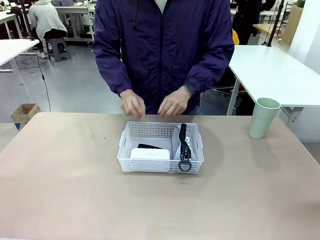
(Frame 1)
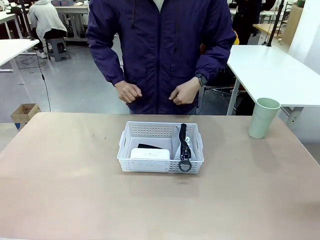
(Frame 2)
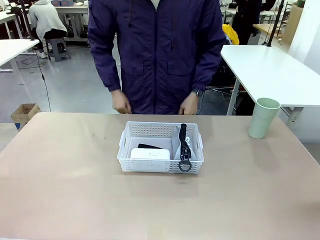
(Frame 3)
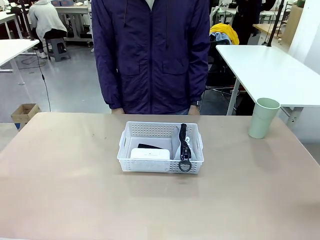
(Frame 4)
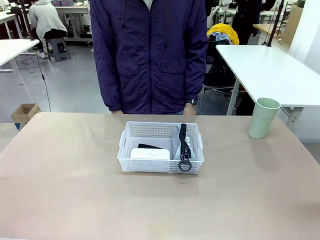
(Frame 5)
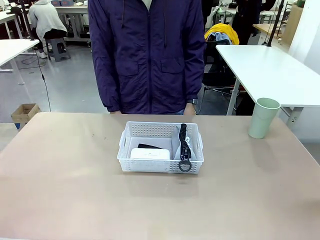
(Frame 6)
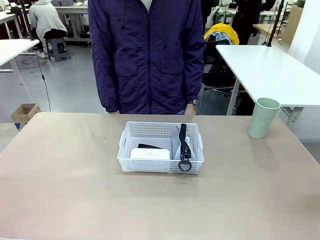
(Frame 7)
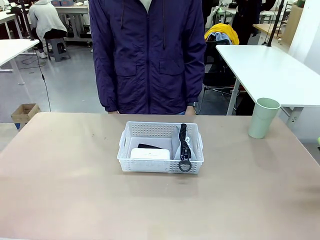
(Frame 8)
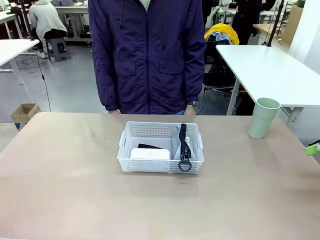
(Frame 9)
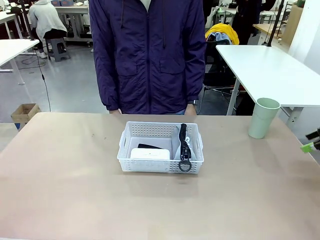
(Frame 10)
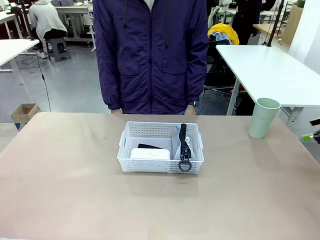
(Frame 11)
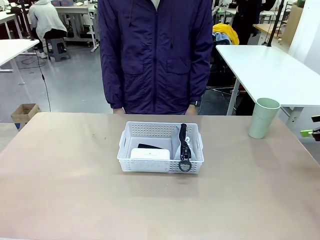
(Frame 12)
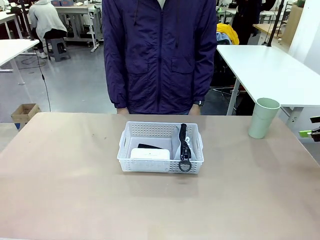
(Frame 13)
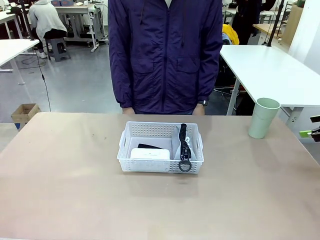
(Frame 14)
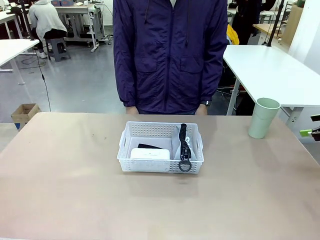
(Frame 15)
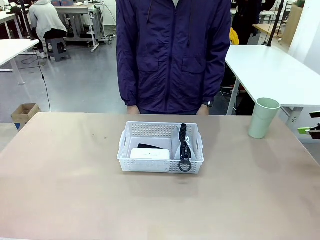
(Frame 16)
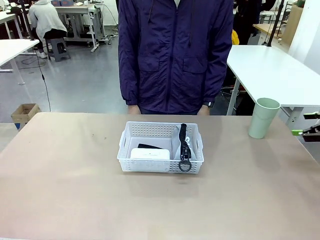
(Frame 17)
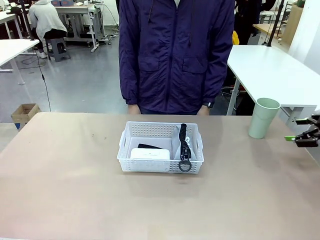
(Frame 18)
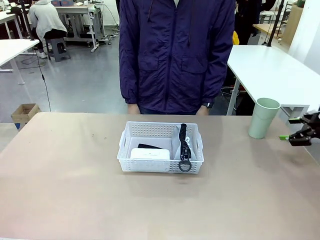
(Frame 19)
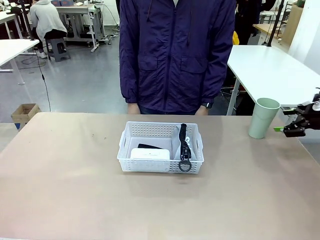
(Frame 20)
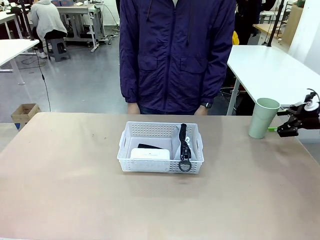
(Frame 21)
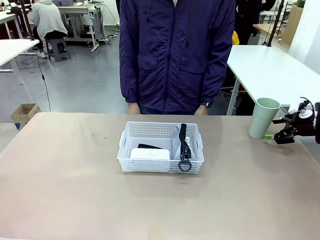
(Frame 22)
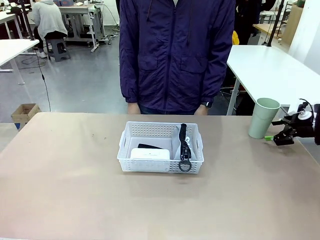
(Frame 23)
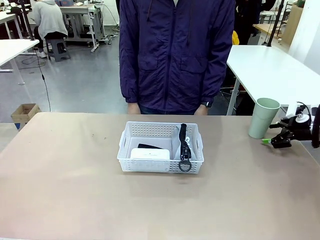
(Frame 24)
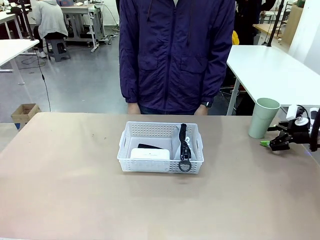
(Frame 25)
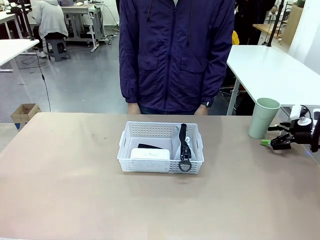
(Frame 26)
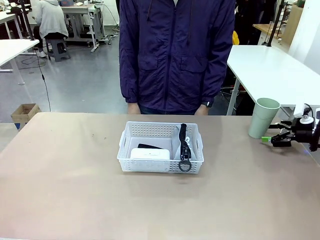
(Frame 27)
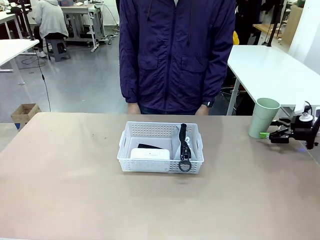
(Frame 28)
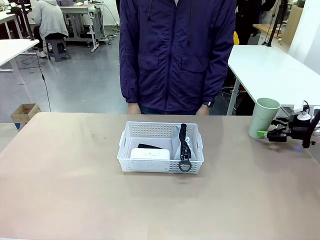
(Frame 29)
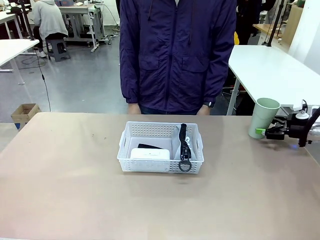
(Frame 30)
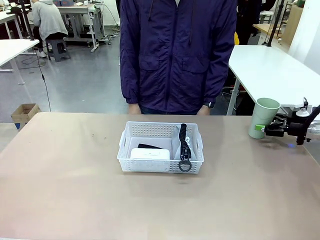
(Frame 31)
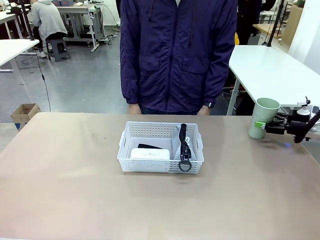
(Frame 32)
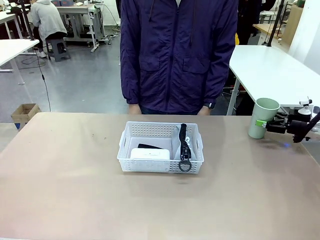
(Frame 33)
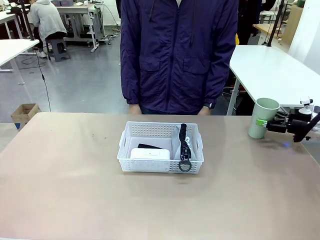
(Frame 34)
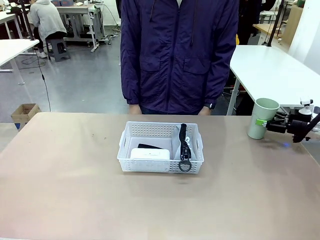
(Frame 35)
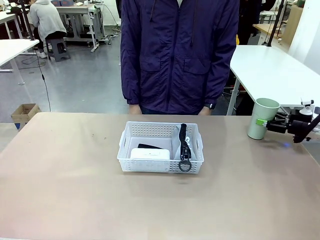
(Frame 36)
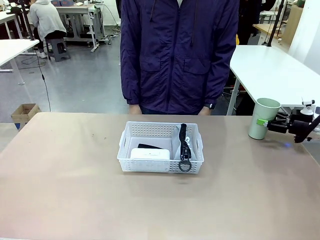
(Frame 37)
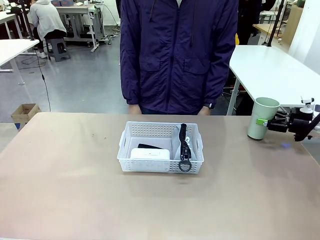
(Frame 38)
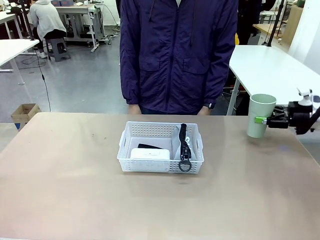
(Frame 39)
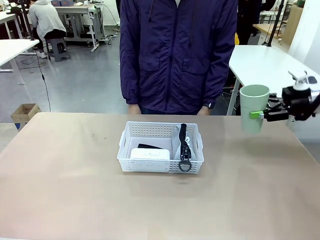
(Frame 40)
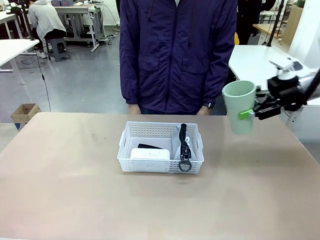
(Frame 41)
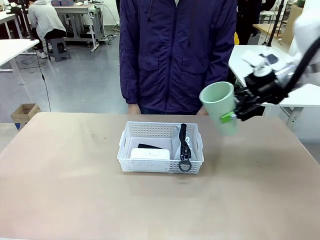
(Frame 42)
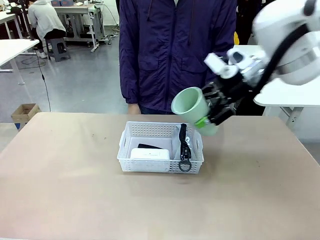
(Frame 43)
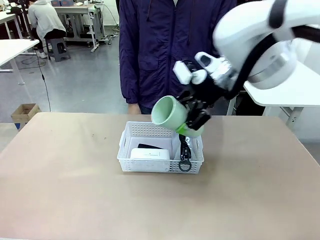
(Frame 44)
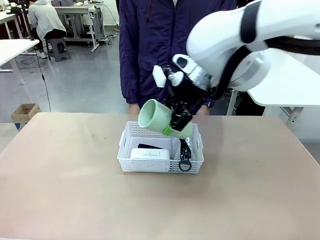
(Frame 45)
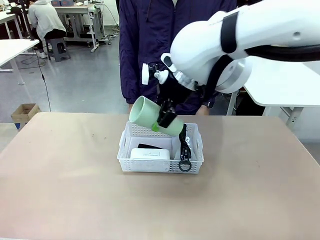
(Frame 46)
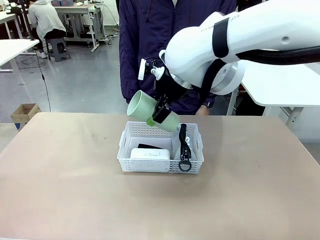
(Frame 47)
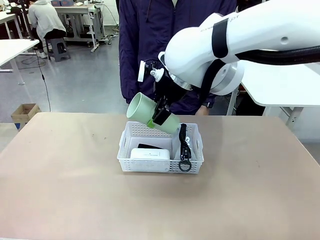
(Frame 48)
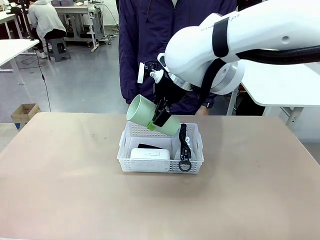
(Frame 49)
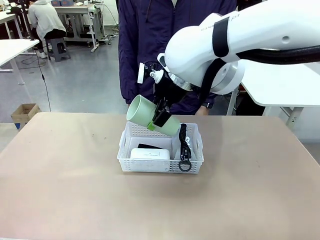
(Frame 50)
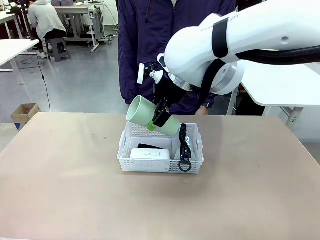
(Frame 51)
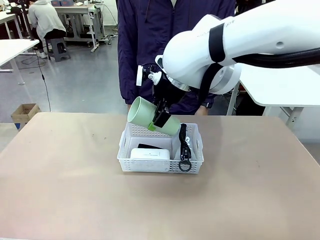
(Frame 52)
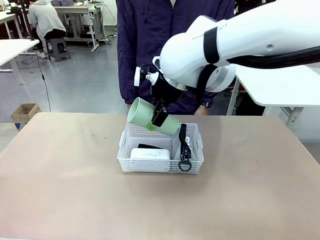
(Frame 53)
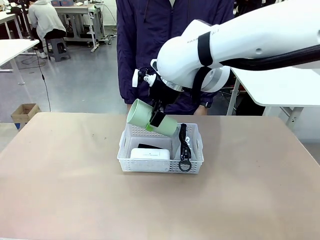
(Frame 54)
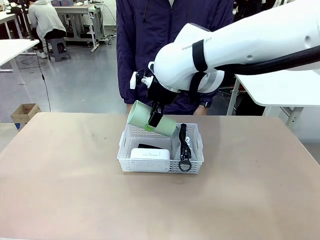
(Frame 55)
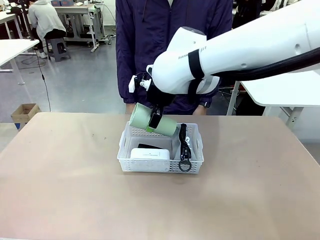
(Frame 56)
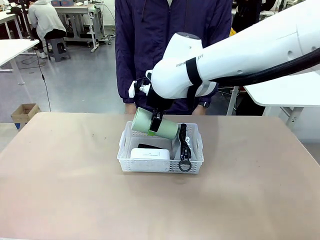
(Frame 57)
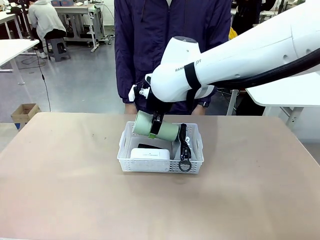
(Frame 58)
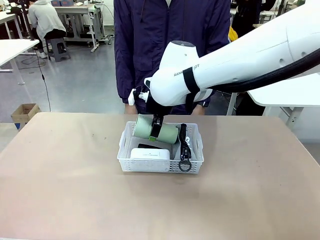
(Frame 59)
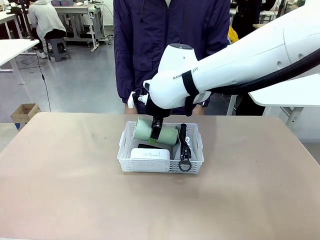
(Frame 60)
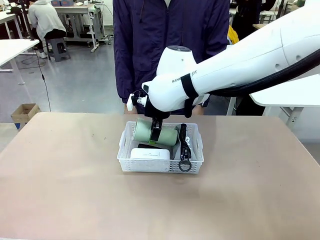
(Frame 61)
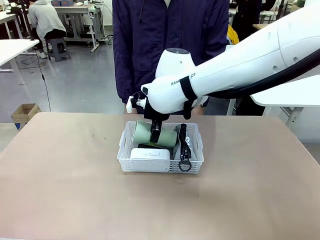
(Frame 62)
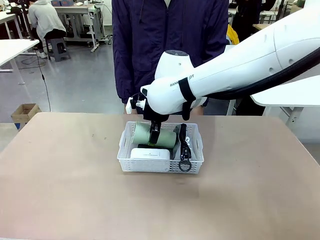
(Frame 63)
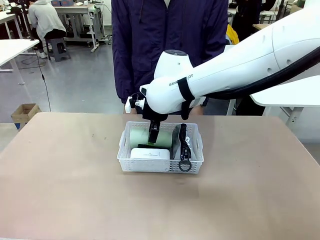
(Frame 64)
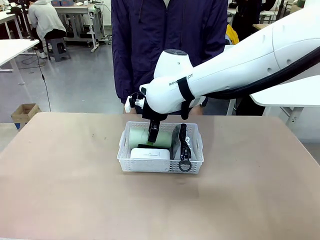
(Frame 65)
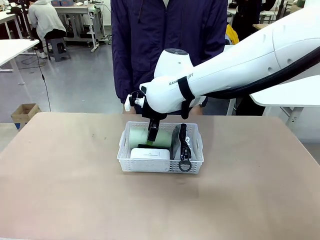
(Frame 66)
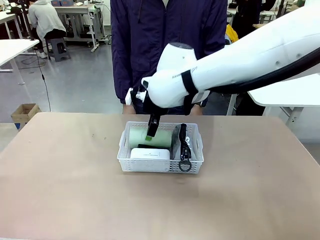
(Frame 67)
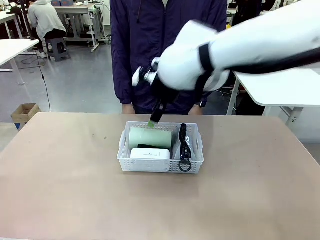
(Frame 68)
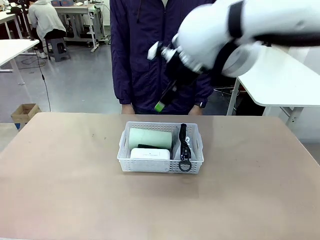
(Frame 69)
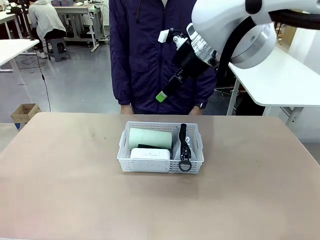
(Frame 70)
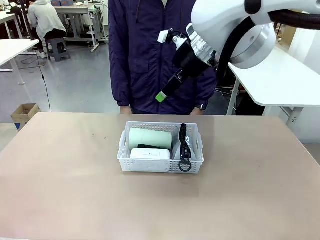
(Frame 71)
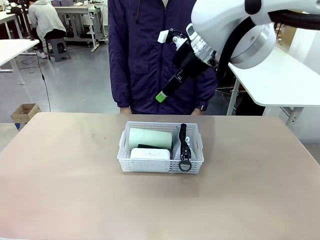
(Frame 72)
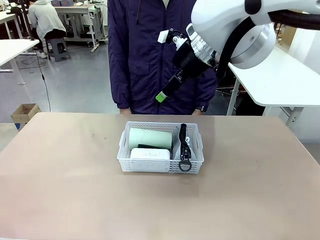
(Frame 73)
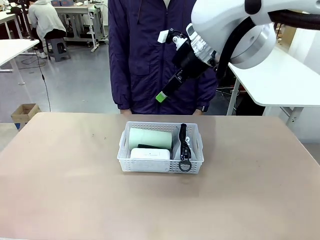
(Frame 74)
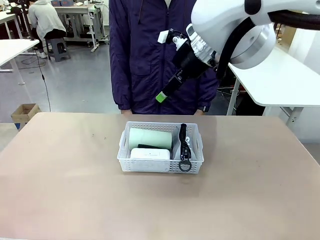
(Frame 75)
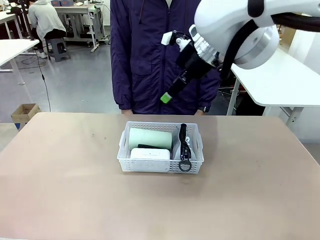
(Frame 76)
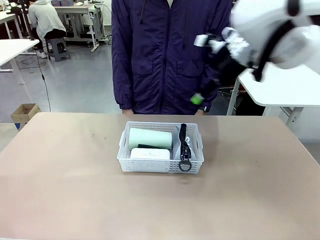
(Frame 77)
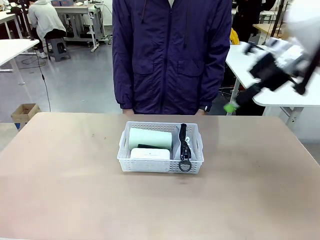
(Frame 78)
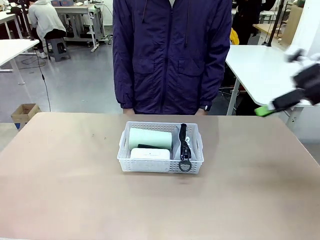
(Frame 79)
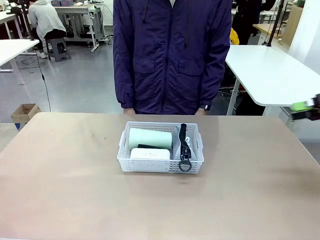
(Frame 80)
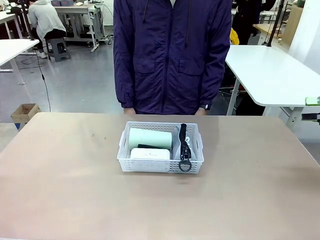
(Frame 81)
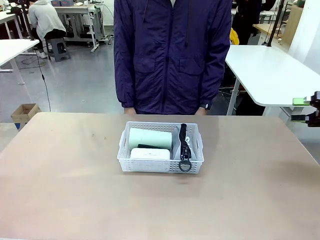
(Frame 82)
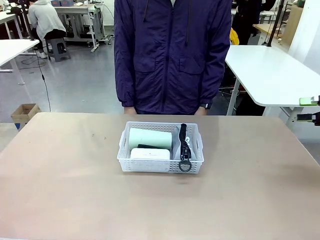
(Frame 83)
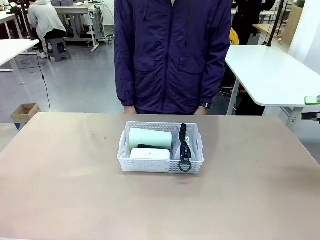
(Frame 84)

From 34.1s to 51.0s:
Task: Efficiently arrange items inside the basket to fit them all.
Robot: Pick up the Reusable plastic cup and place it inside the Organizing basket.
Person: Repositions the stapler.
